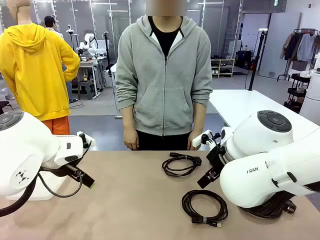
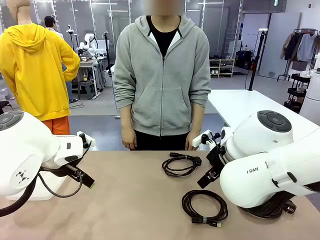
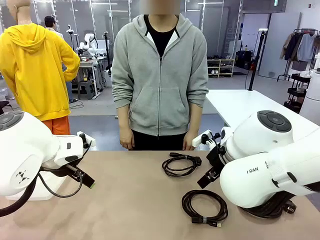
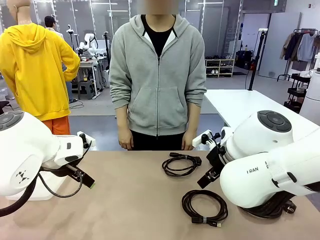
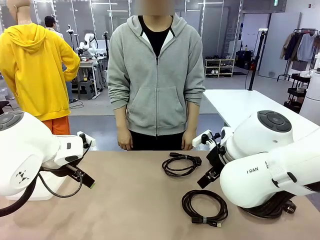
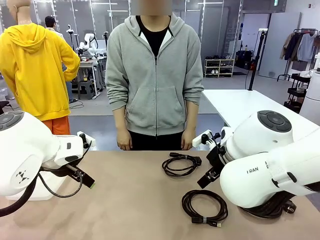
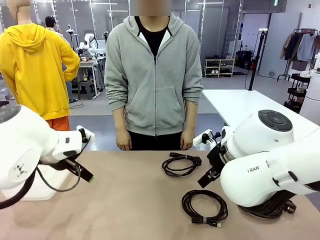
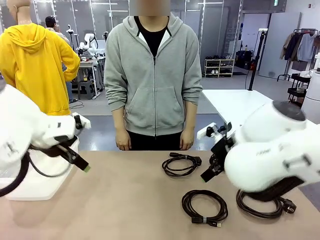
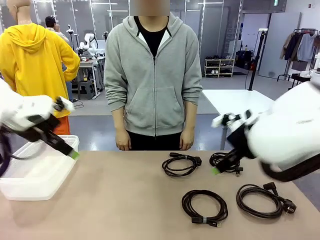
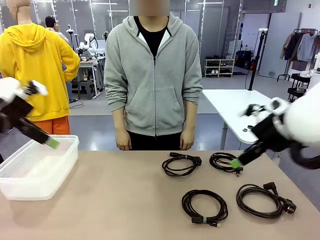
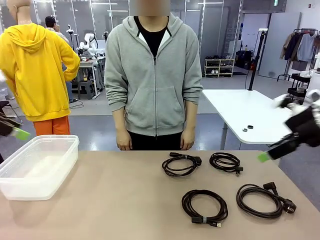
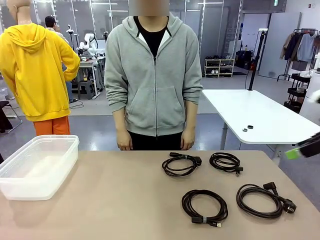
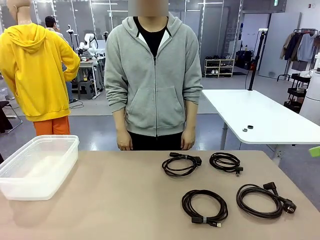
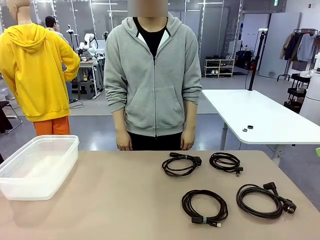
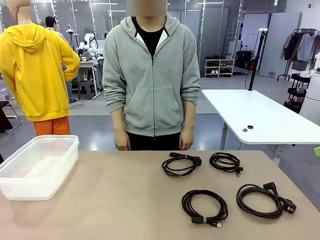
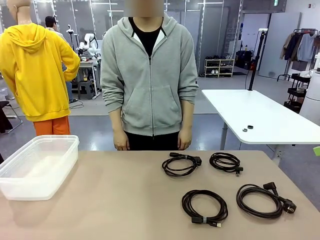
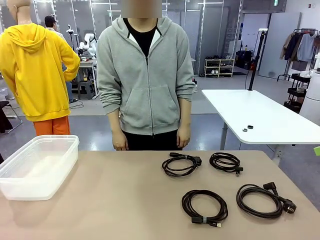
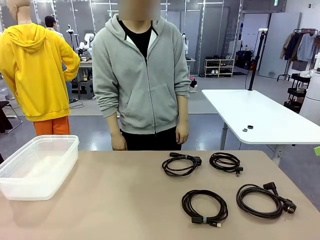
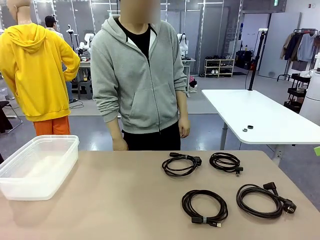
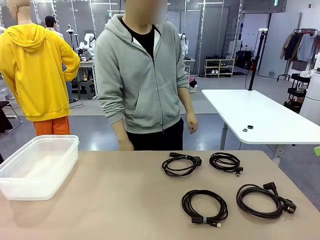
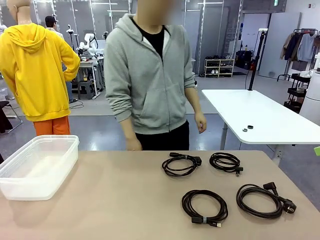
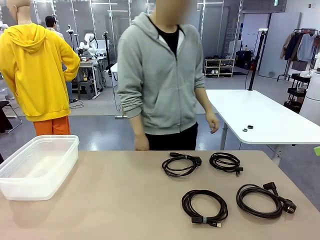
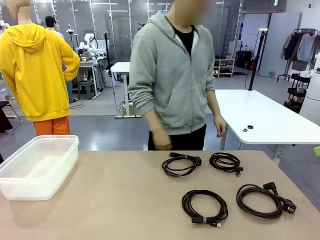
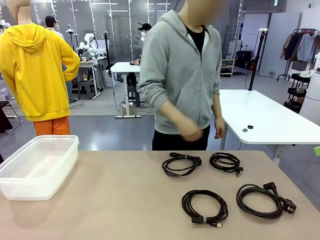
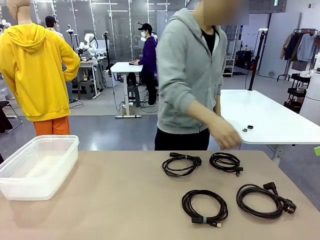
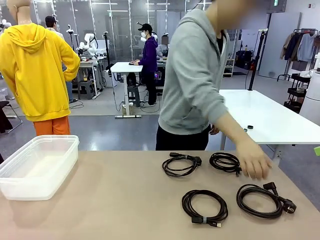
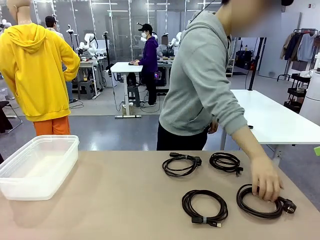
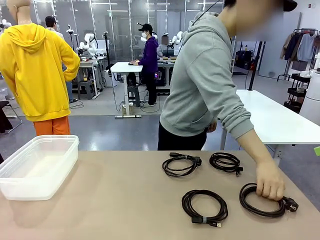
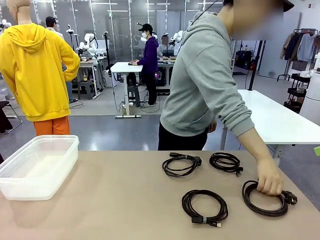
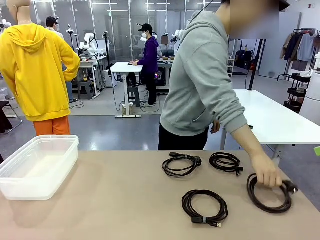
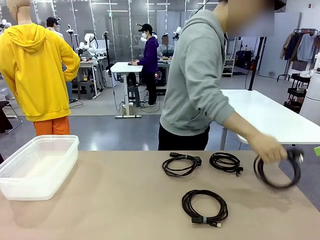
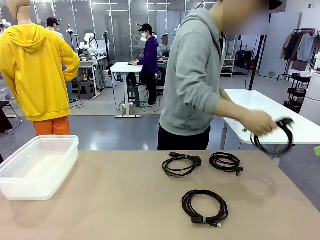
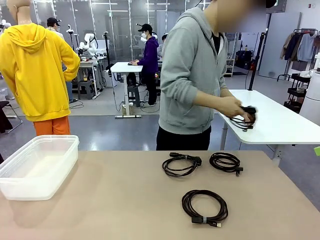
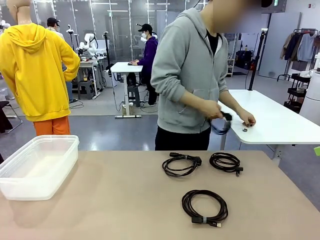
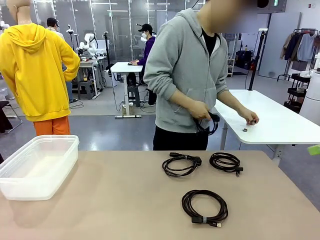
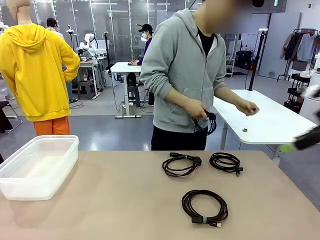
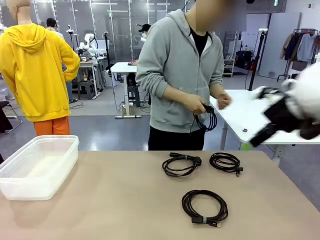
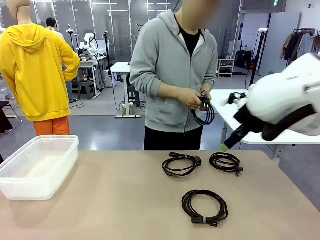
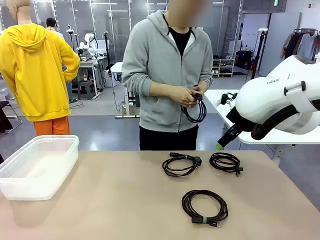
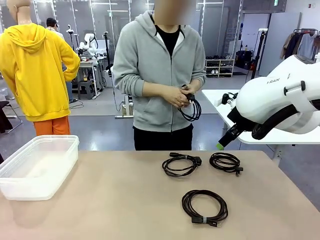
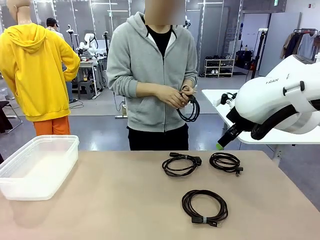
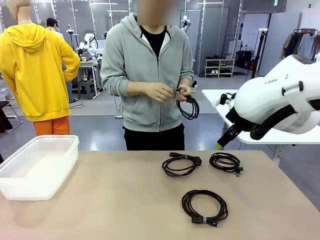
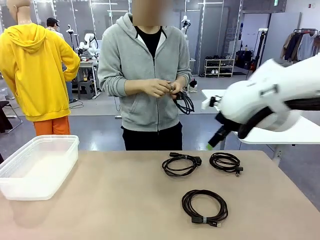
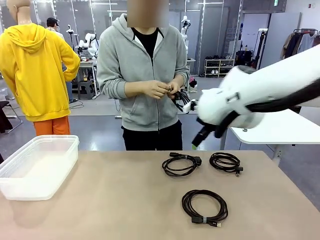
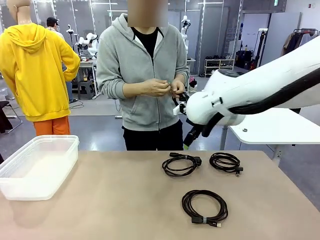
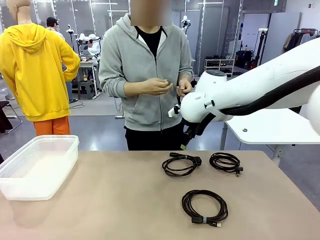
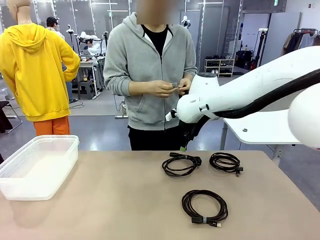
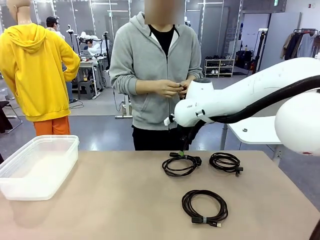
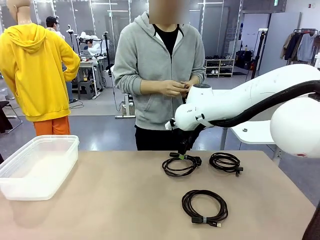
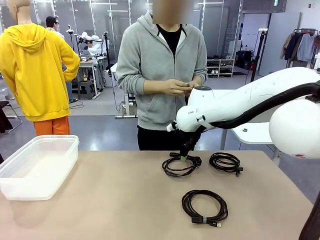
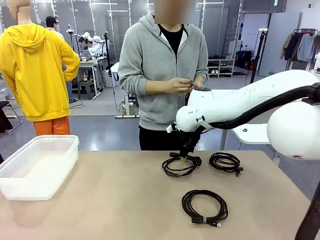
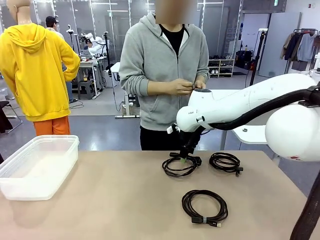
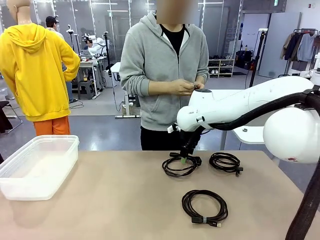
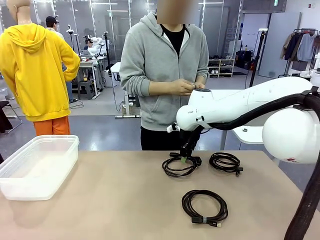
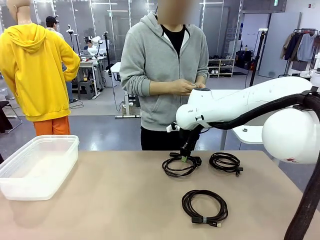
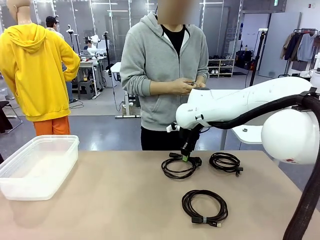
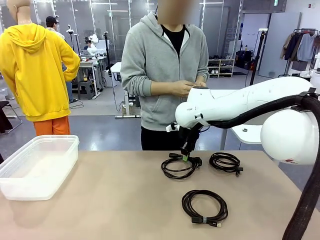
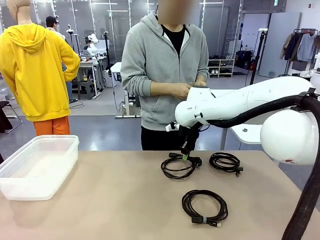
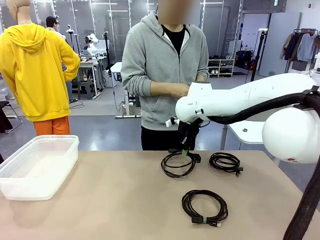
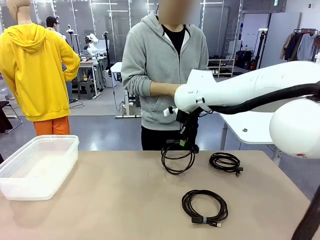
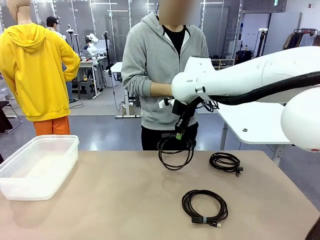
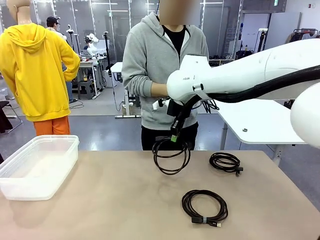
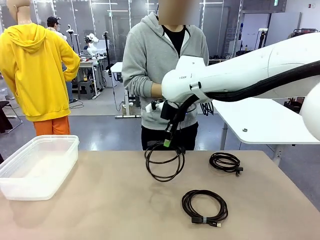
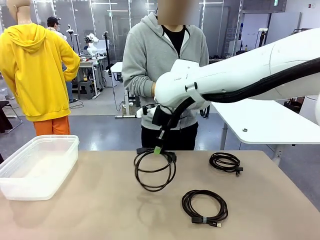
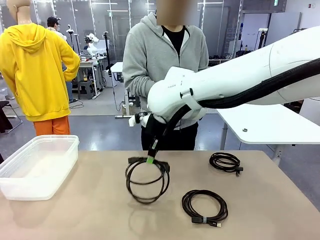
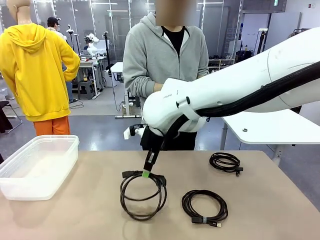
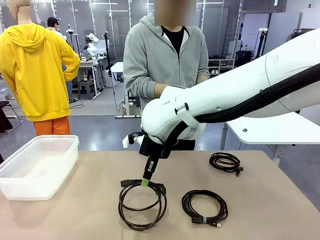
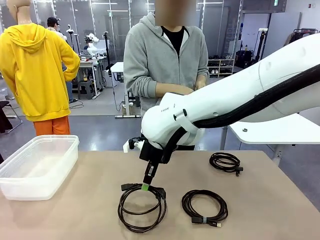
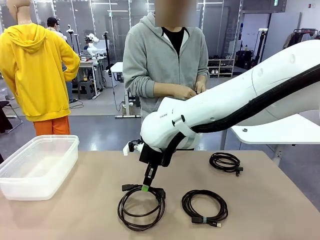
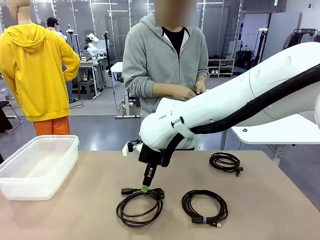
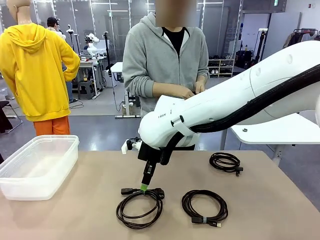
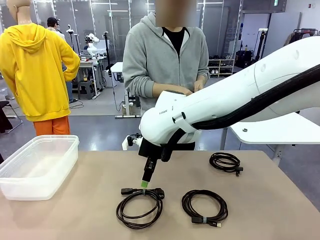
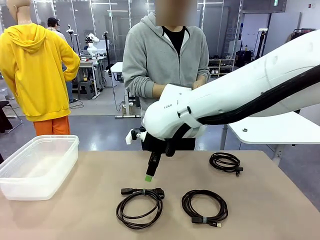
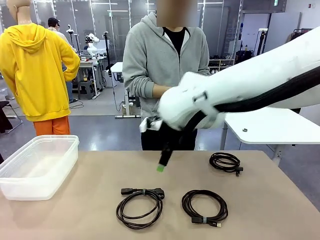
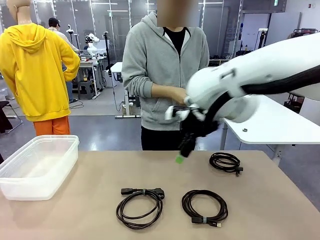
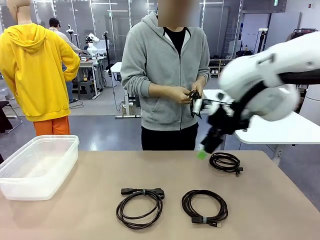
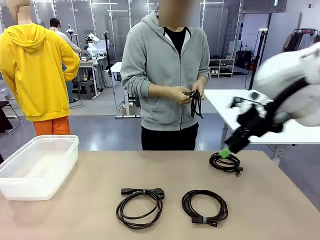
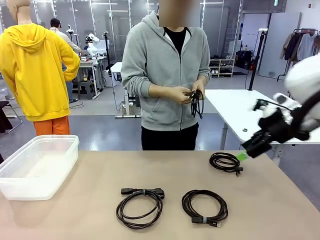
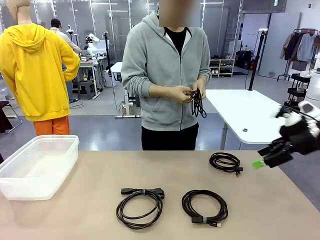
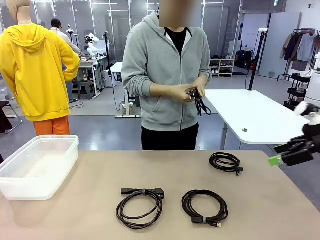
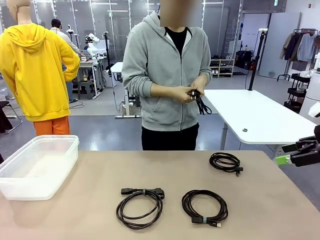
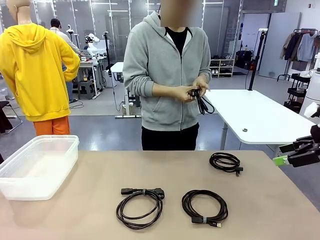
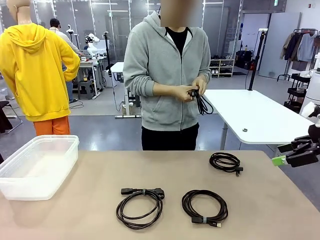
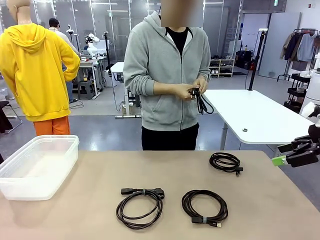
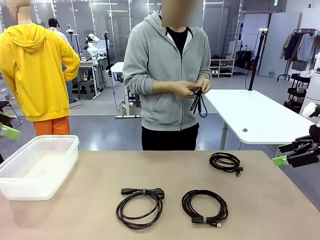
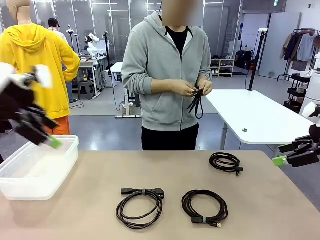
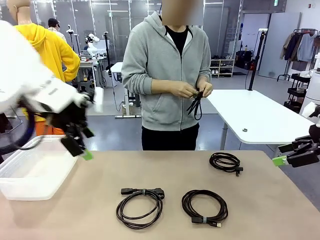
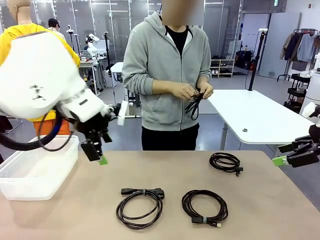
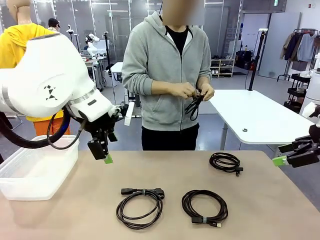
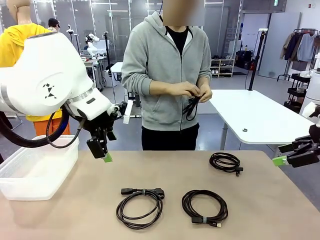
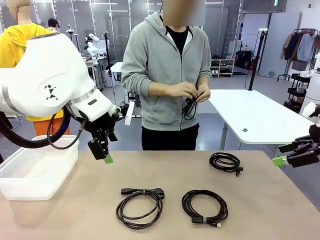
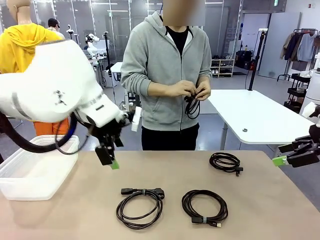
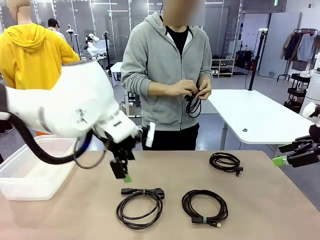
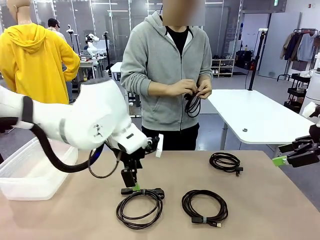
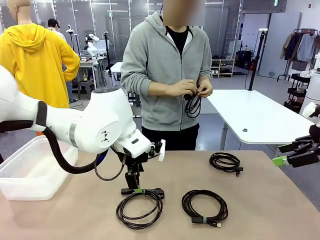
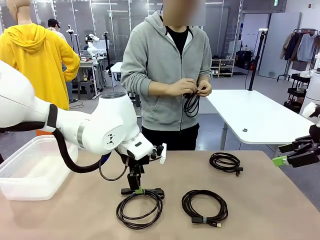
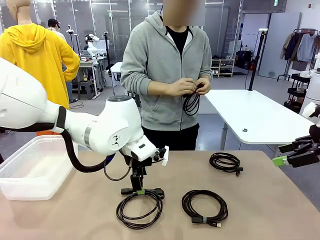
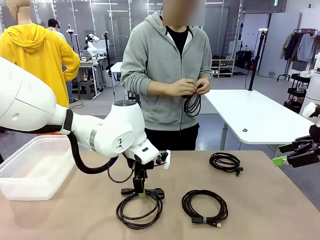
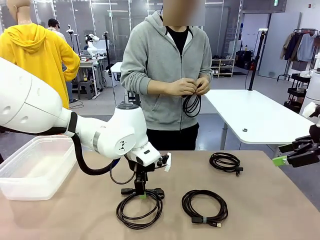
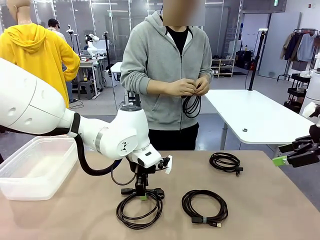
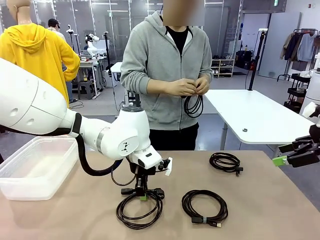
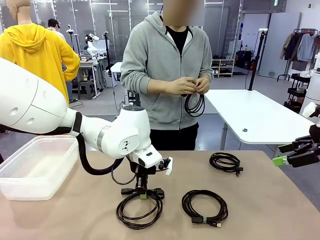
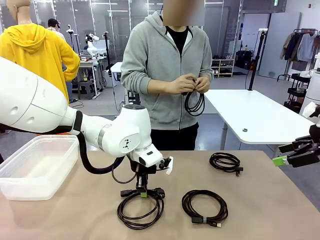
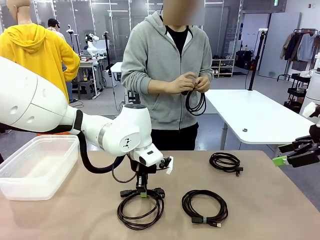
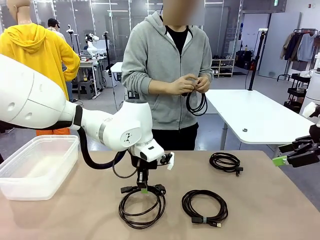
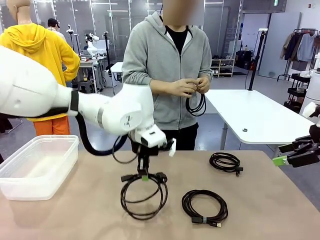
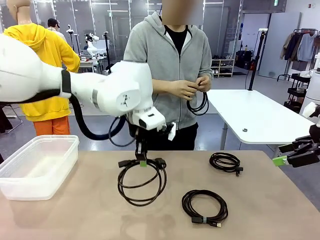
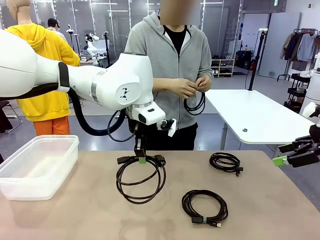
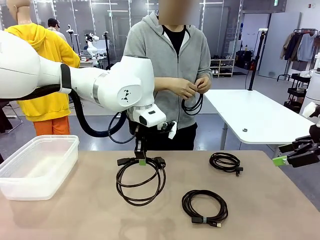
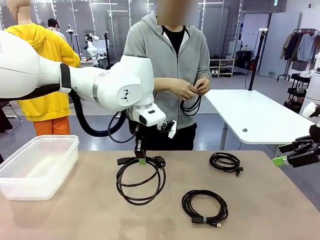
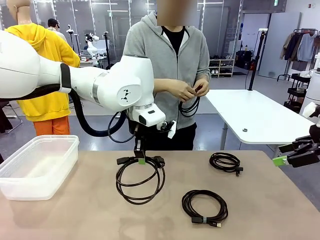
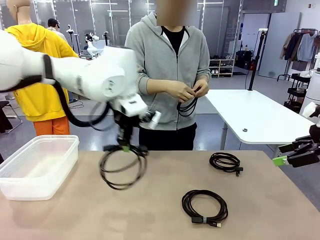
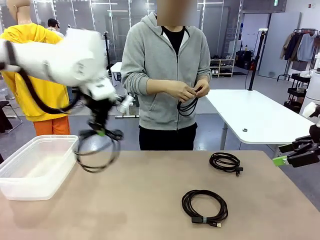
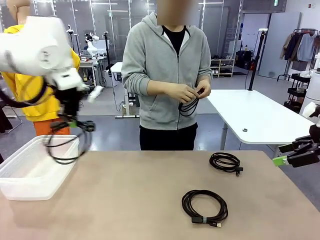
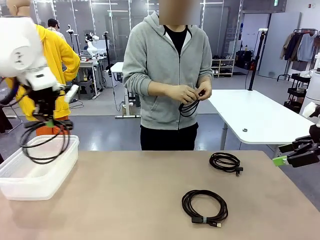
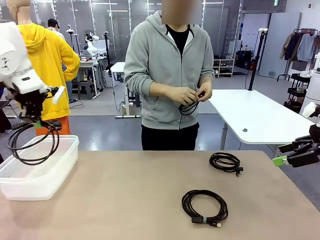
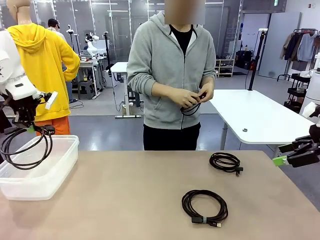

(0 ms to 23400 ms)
Task: Organize and store the cables.
Robot: Place the Power Cable into the Organizing box.
Person: Tie one Power Cable with a Reusable Cable Tie.
